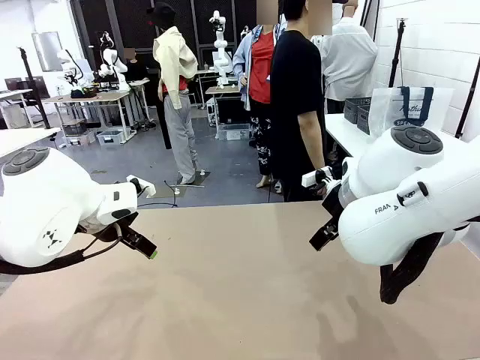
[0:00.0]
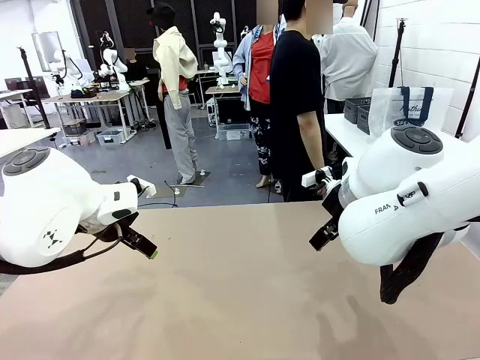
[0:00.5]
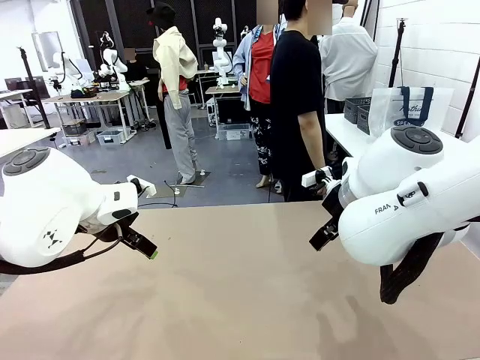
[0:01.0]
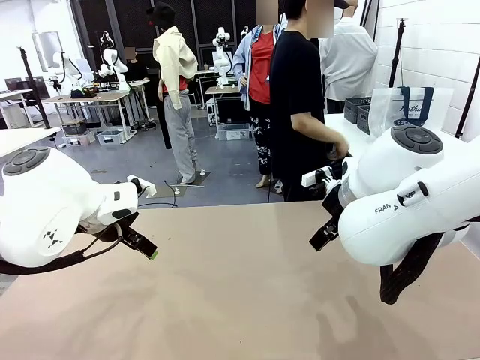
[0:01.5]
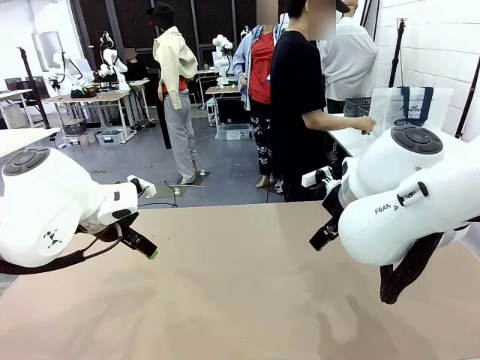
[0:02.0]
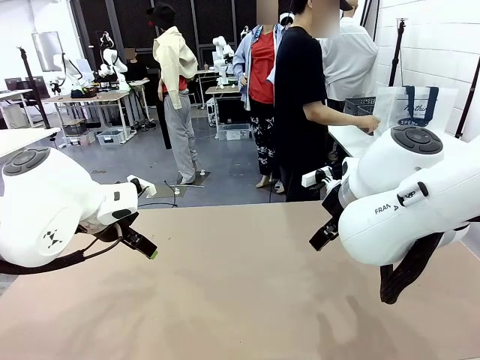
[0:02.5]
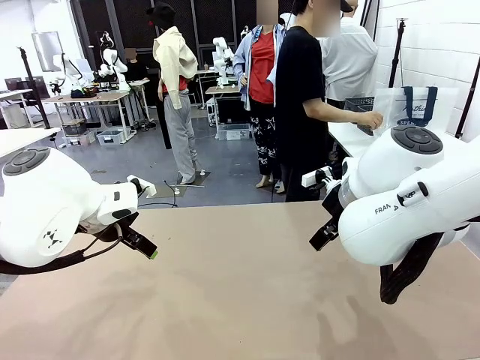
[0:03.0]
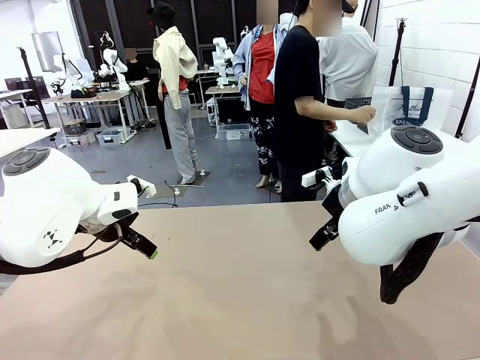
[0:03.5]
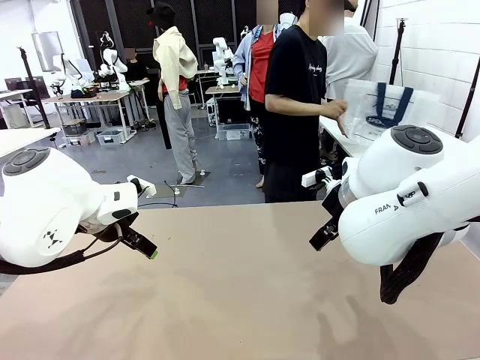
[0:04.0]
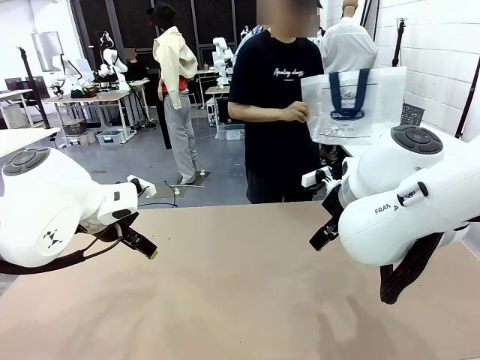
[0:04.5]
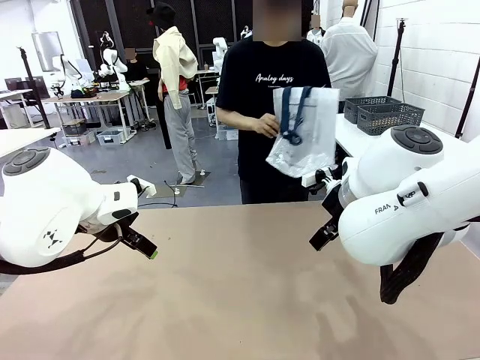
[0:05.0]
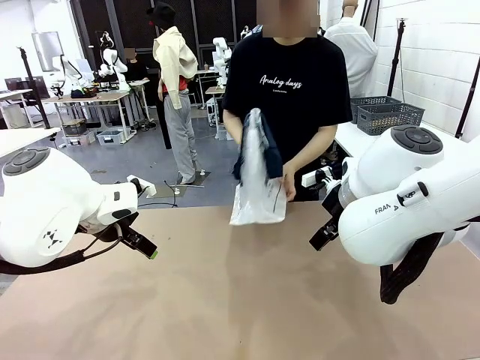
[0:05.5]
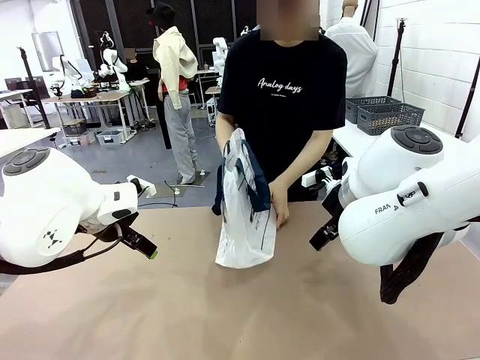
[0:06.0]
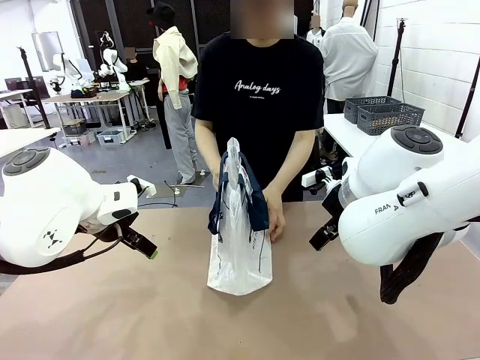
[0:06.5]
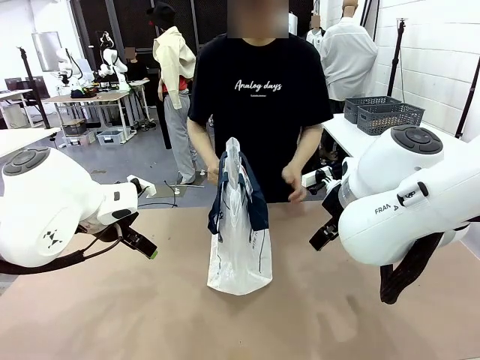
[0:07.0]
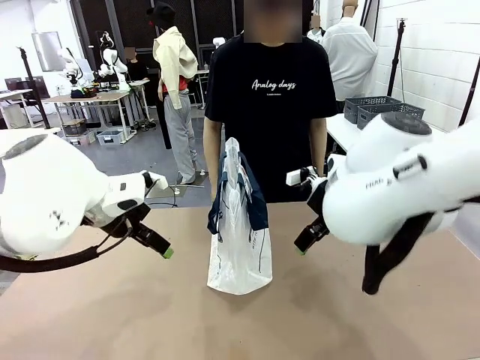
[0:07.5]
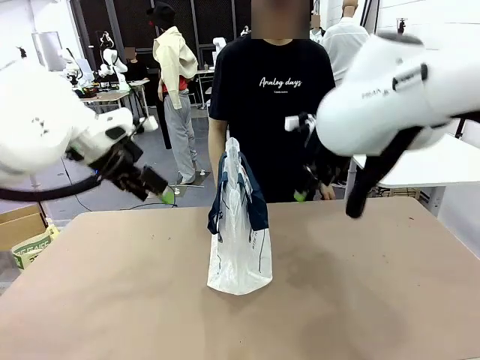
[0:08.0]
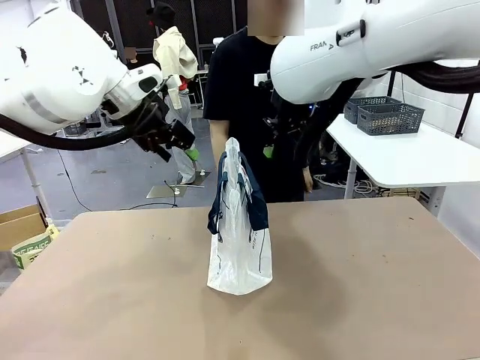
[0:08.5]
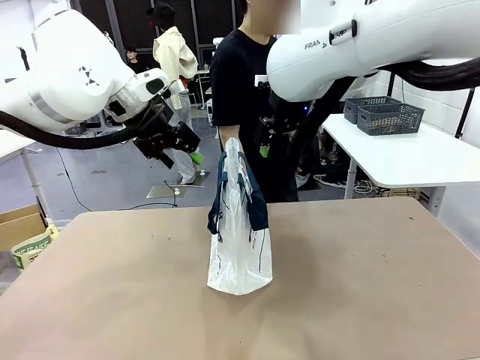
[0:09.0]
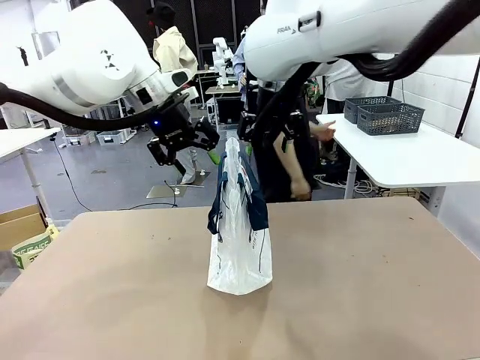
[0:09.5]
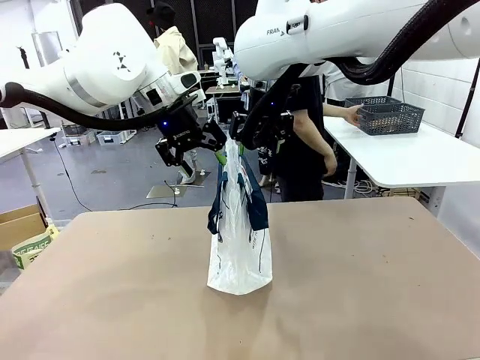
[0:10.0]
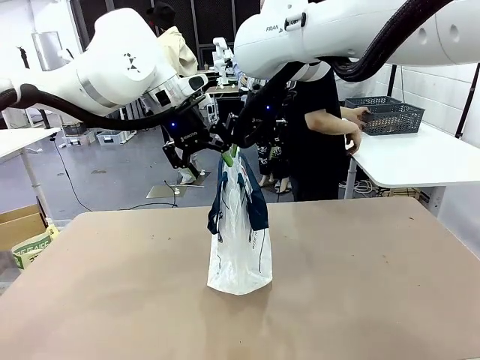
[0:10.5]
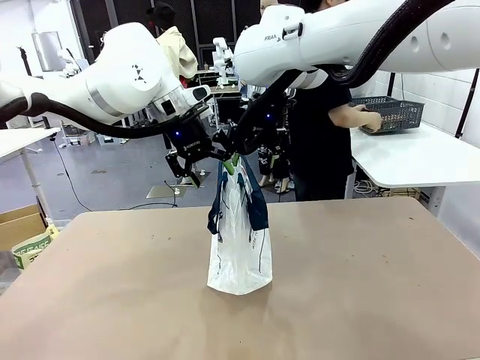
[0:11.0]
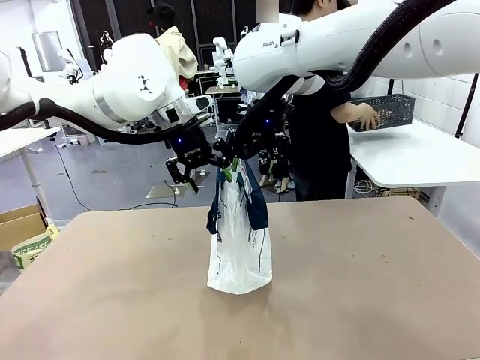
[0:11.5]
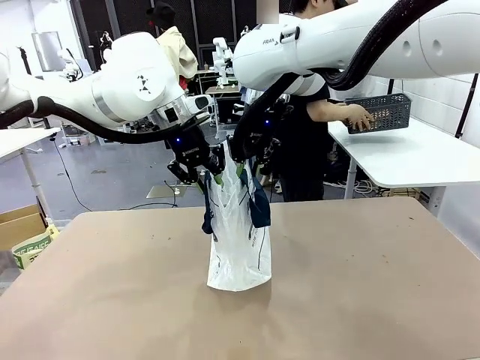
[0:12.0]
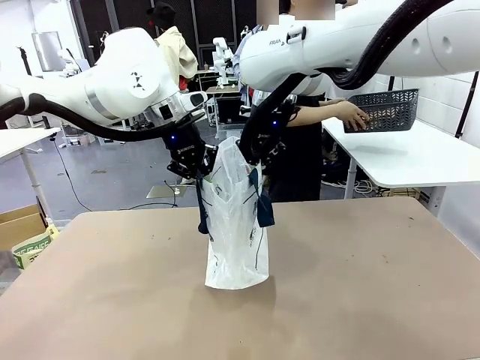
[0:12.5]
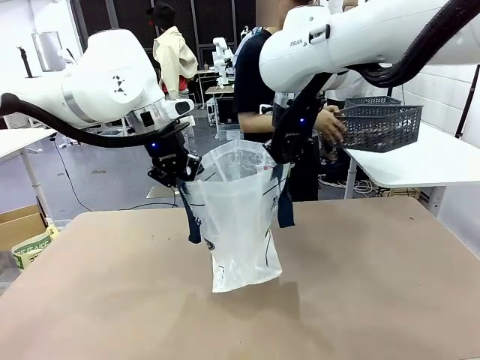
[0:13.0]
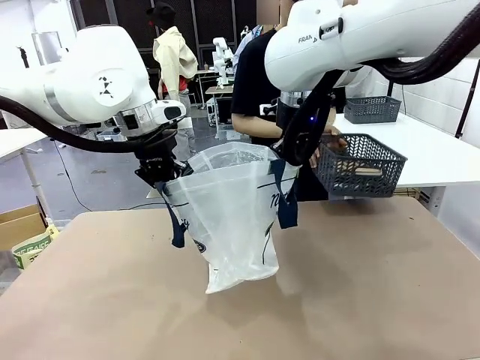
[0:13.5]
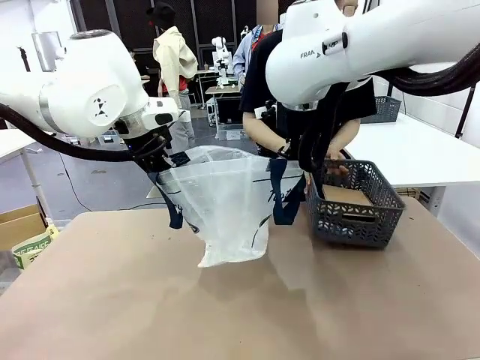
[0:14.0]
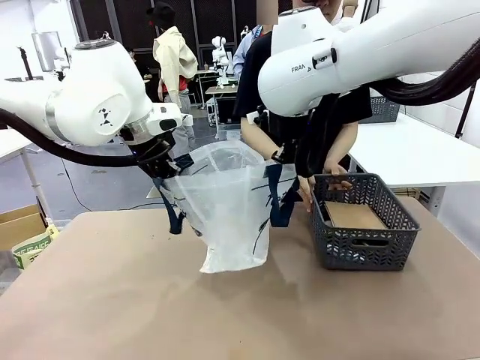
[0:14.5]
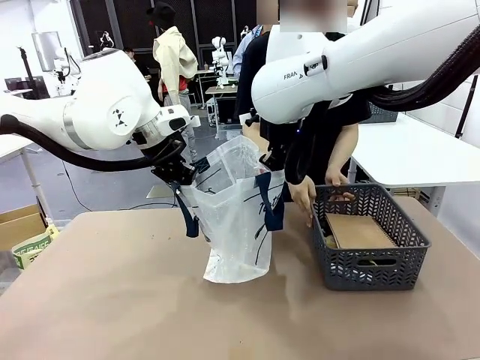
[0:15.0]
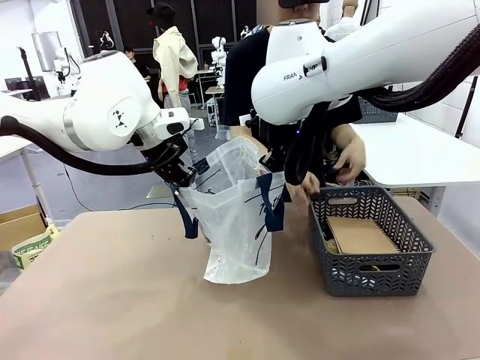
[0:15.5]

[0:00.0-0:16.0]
Task: Transfer purchased items from the store into the shopping bag.
Robot: Open the Reusable shopping bag in the center of the table.
Person: Pick up the shopping bag and place it in the middle of the robot table.

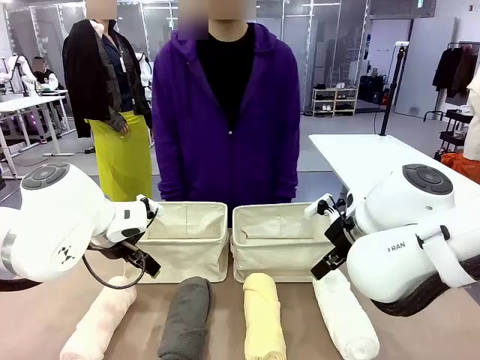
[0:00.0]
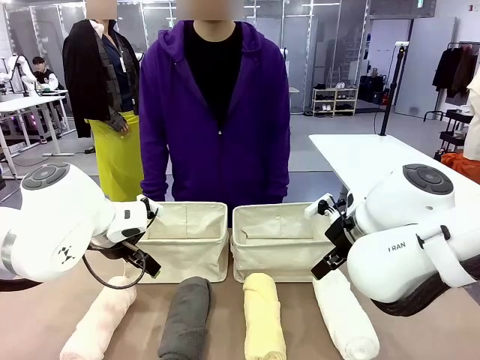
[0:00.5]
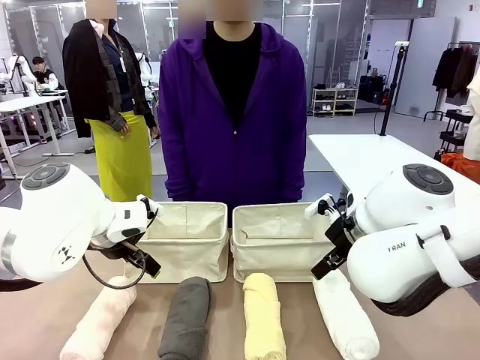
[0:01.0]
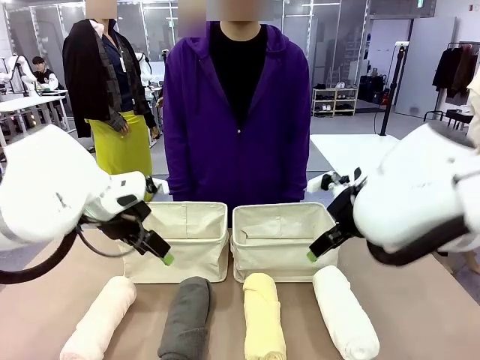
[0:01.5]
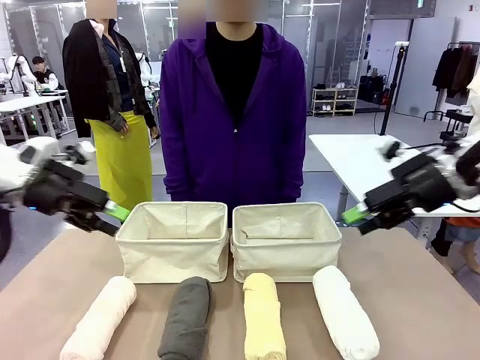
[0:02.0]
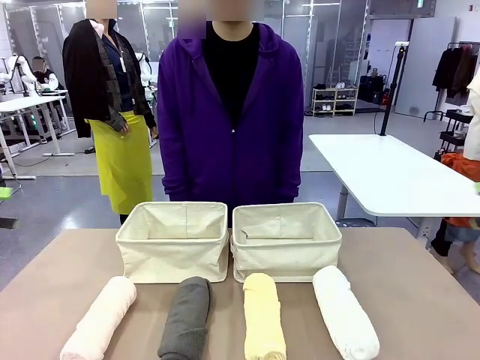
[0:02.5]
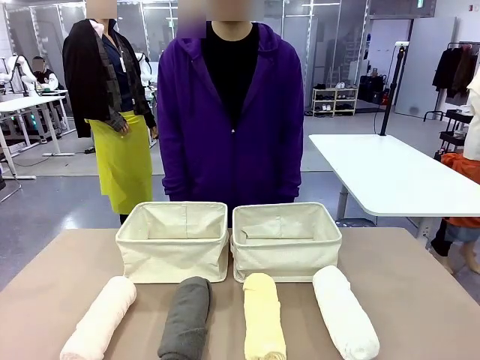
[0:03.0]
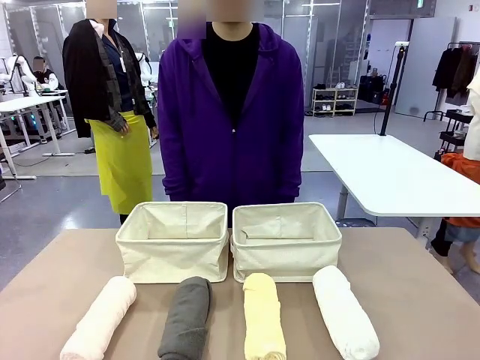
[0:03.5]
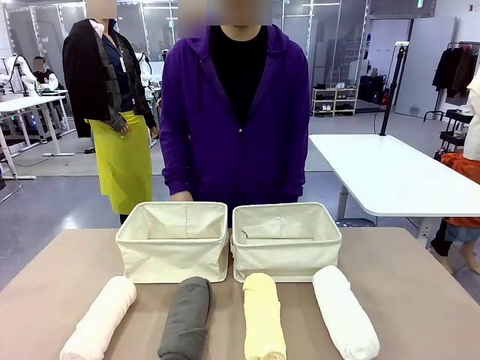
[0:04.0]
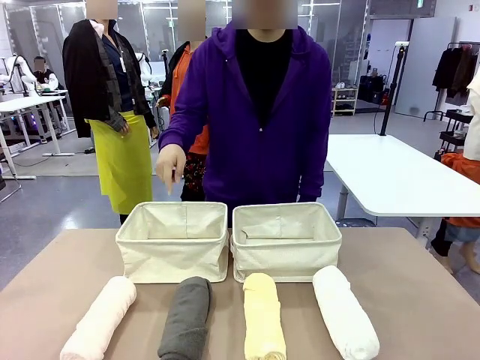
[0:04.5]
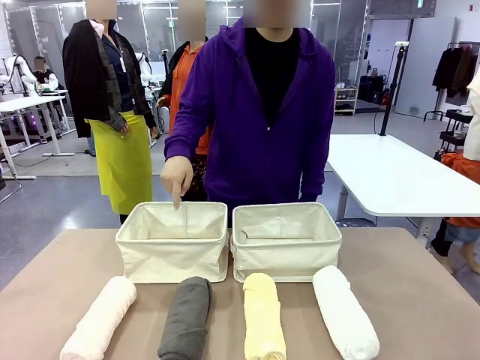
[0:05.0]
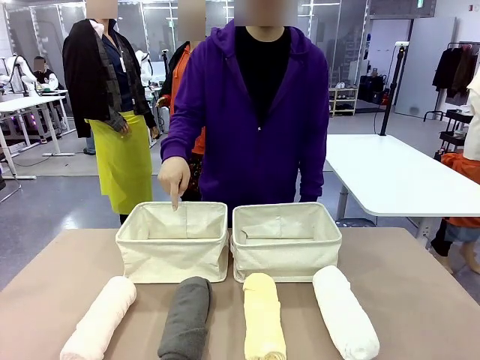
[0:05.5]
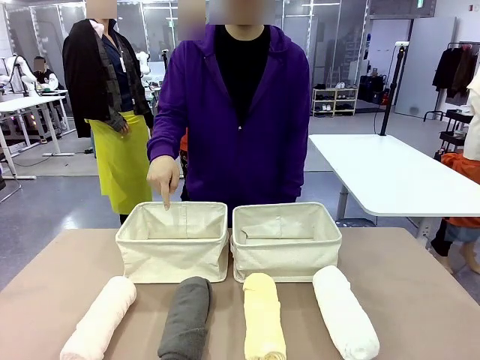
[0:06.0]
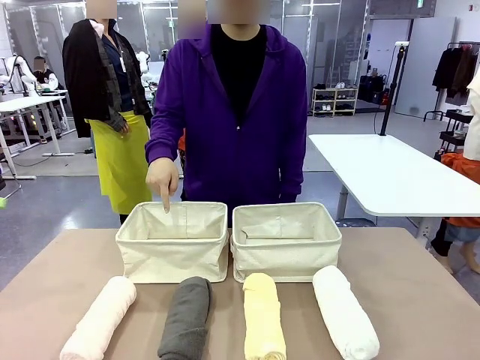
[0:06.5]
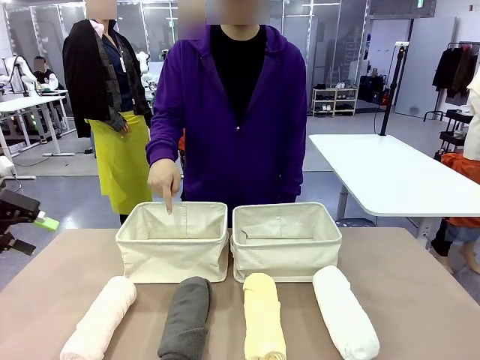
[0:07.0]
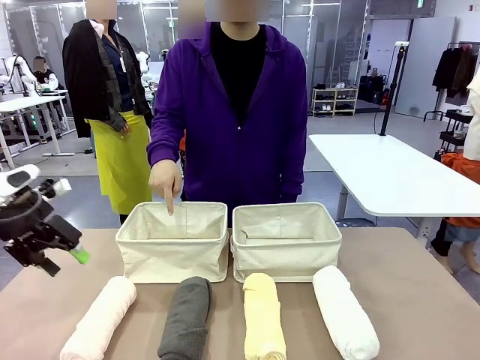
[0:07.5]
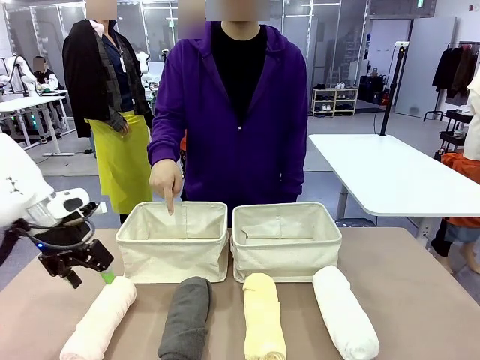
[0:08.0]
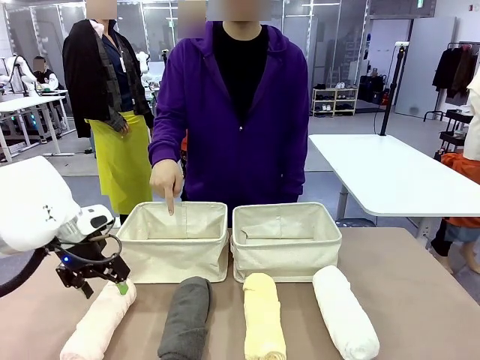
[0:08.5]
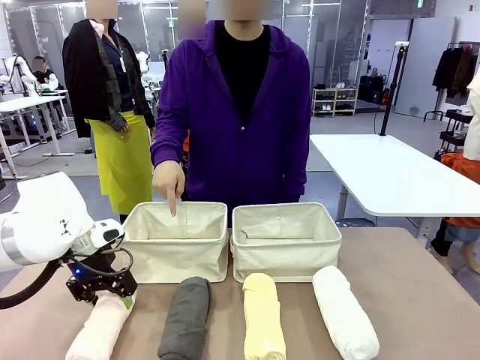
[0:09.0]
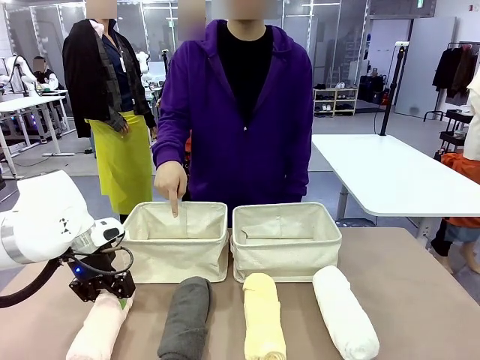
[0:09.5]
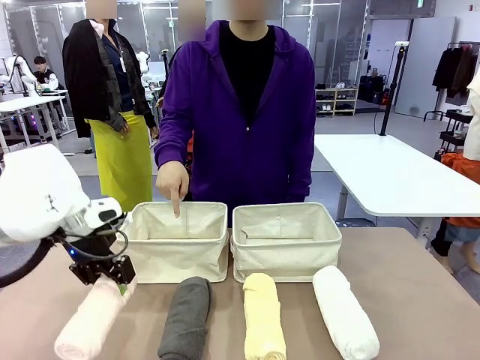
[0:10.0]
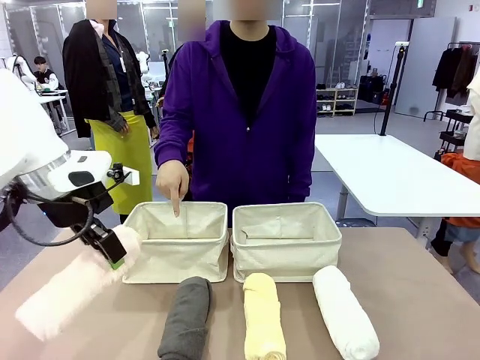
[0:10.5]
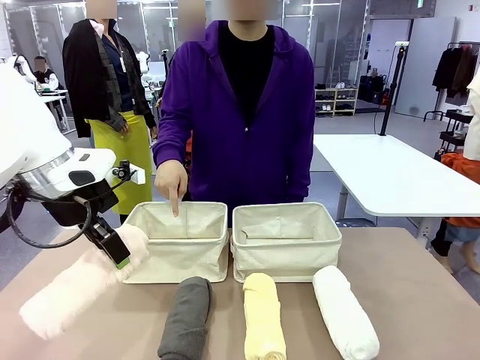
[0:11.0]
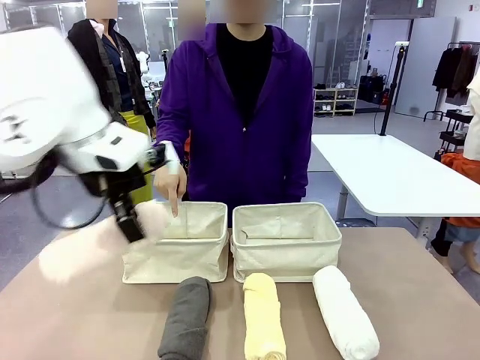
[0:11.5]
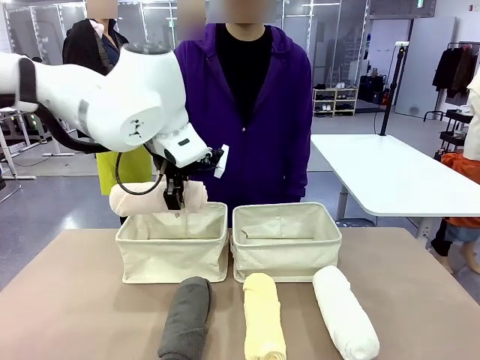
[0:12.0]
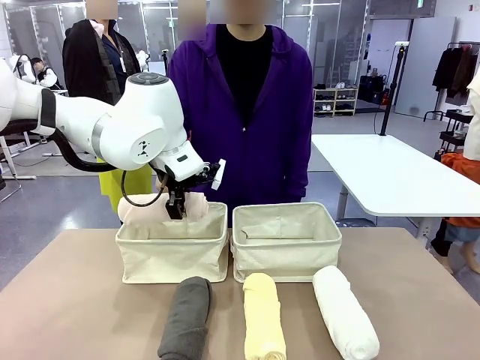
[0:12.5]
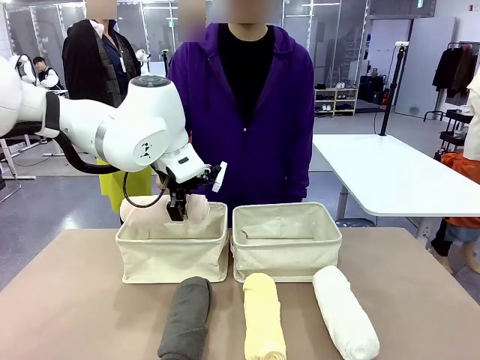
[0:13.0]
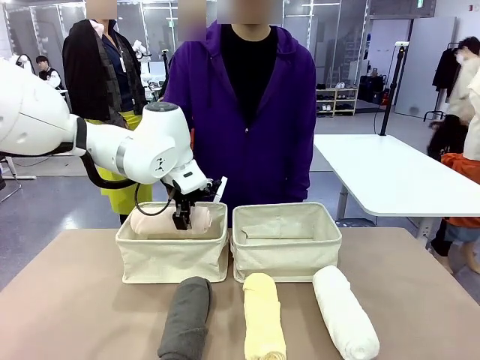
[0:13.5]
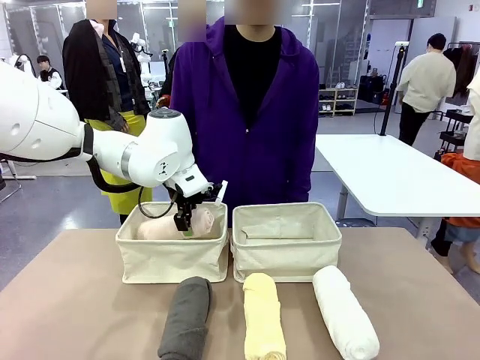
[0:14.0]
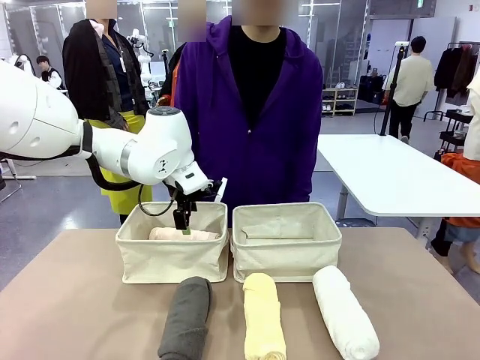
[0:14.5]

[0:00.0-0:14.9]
Task: Divide the towels into two baskets.
Robot: Pick up one hotel-folded towel and place it in the Fabric basket indicated by the person.
